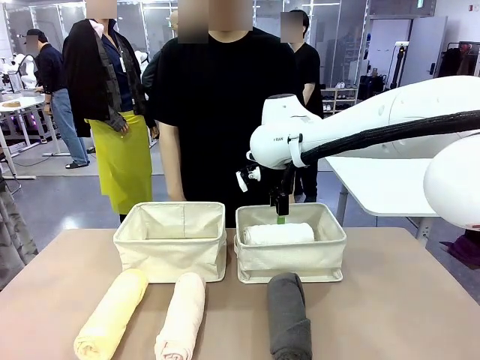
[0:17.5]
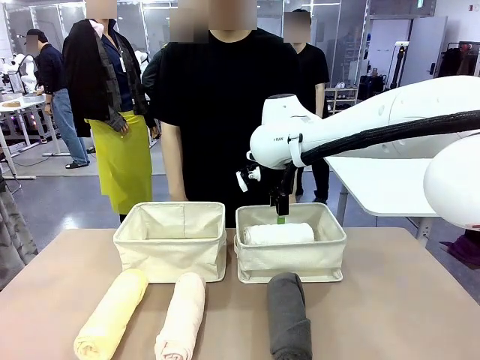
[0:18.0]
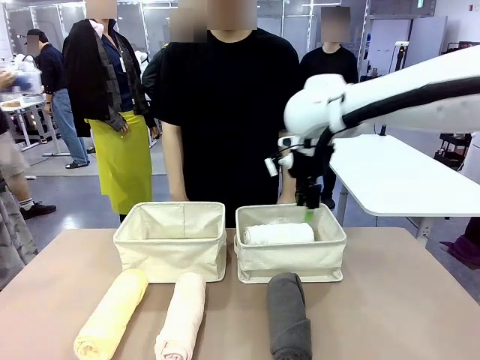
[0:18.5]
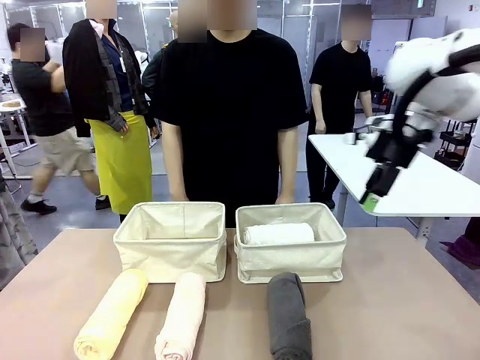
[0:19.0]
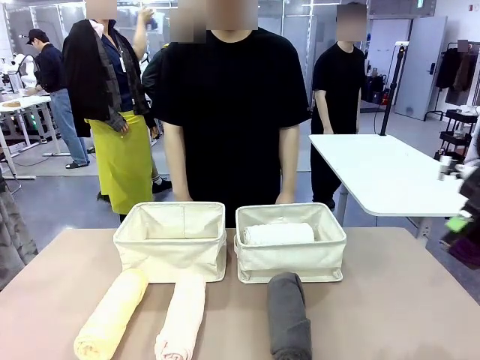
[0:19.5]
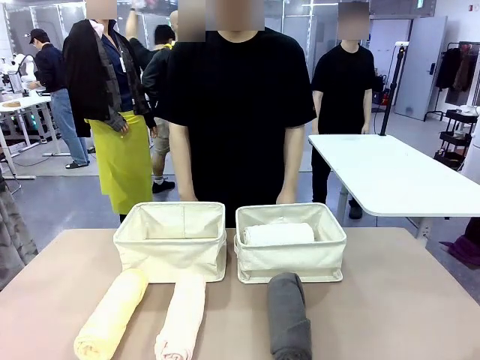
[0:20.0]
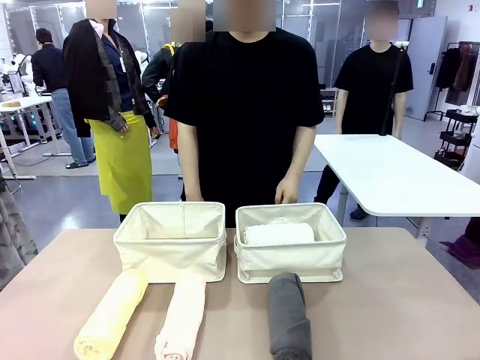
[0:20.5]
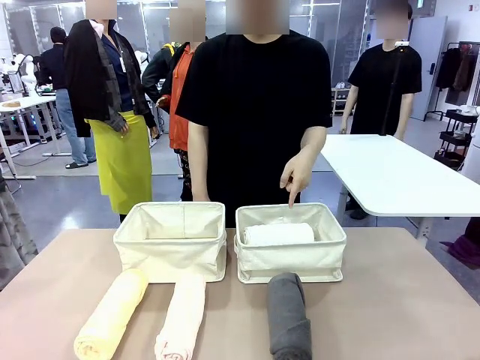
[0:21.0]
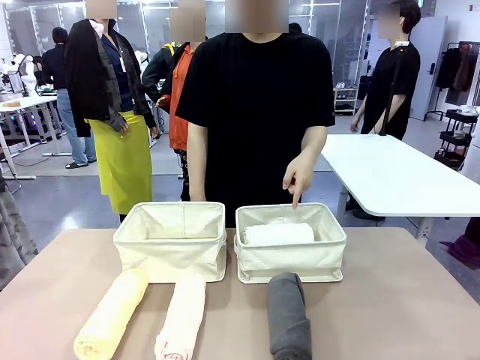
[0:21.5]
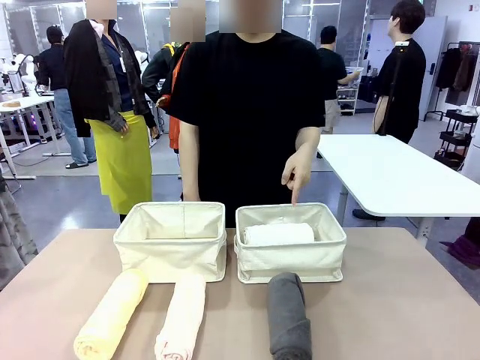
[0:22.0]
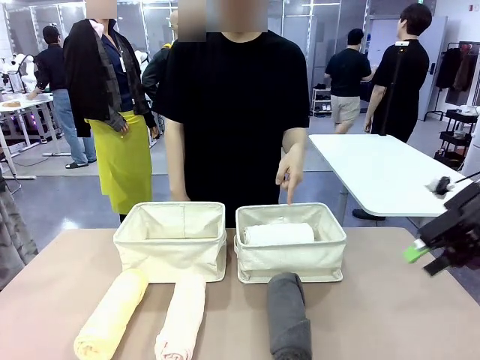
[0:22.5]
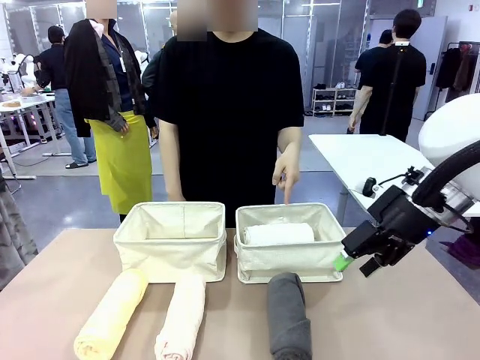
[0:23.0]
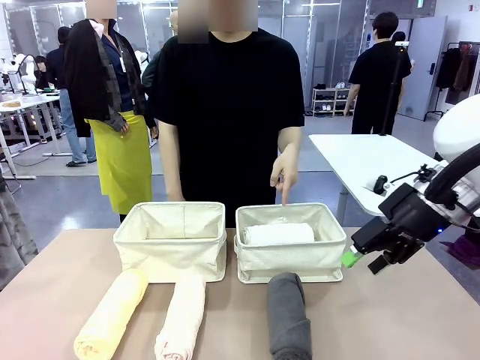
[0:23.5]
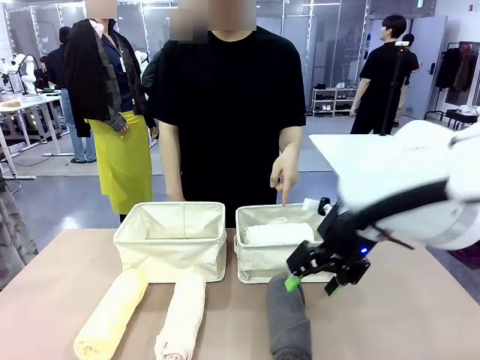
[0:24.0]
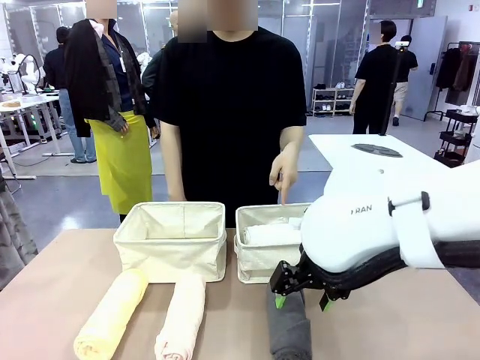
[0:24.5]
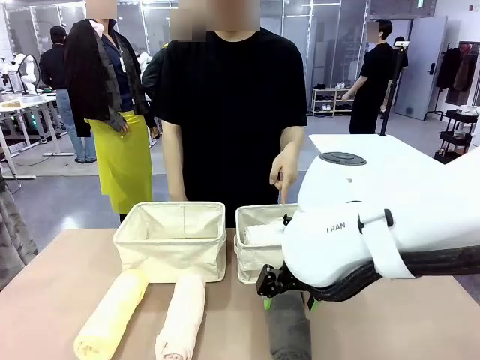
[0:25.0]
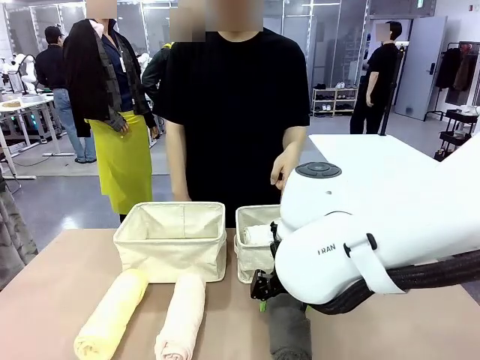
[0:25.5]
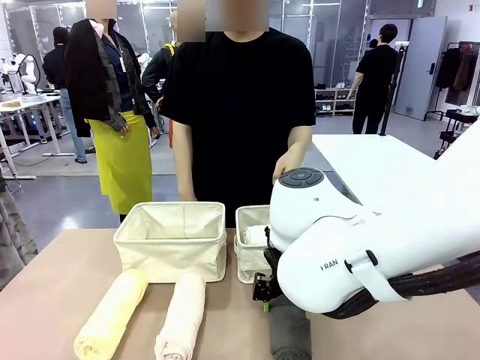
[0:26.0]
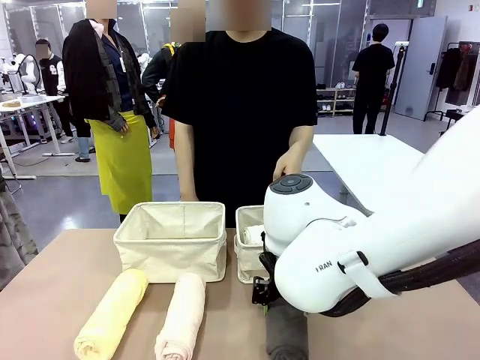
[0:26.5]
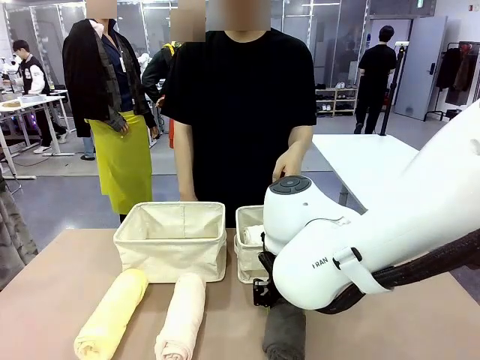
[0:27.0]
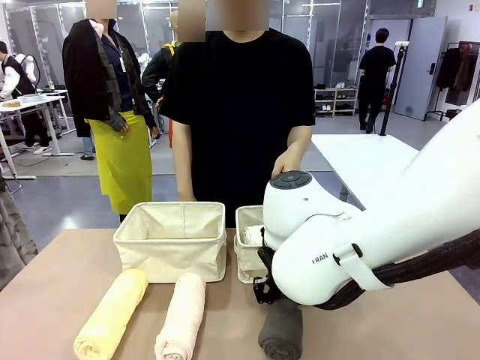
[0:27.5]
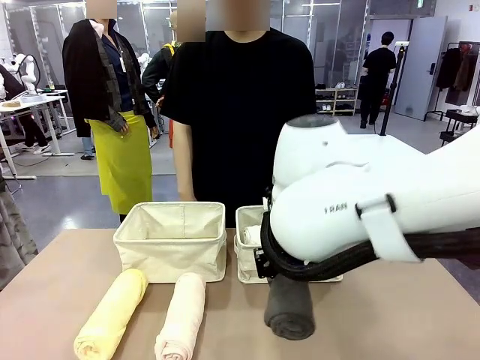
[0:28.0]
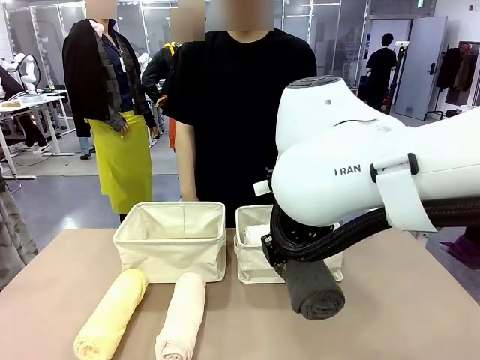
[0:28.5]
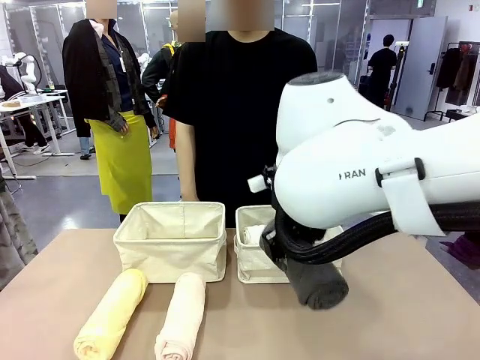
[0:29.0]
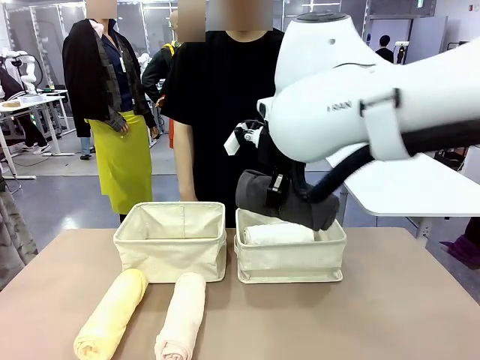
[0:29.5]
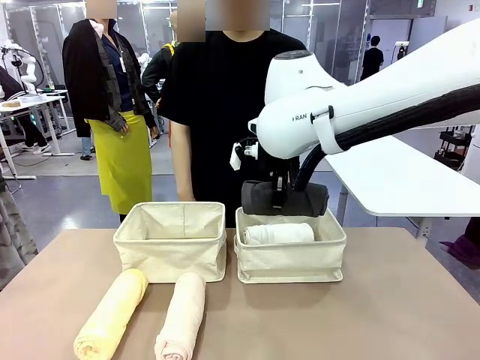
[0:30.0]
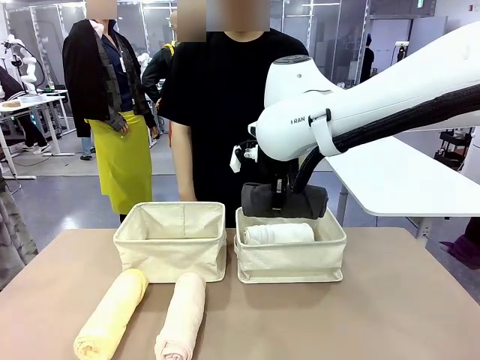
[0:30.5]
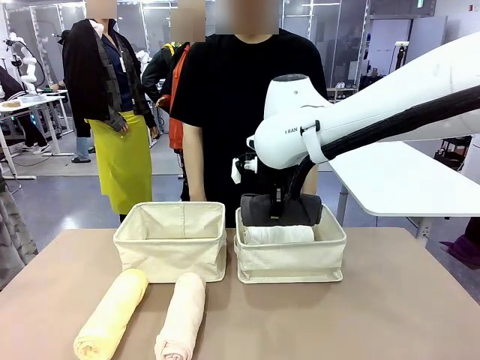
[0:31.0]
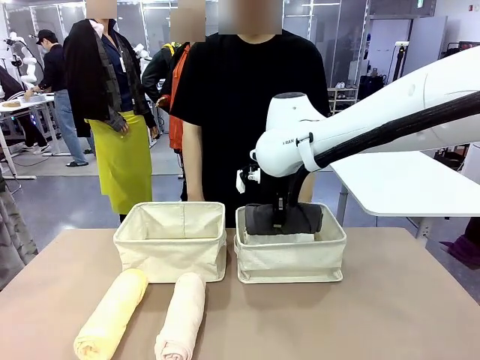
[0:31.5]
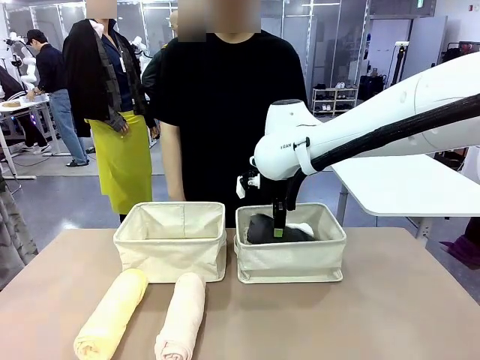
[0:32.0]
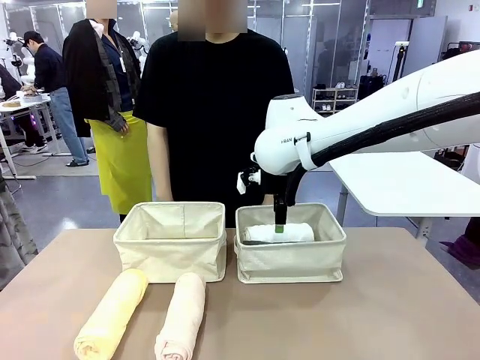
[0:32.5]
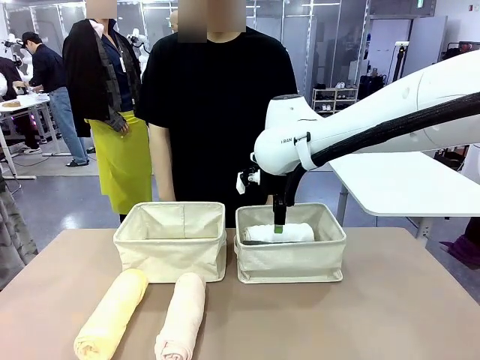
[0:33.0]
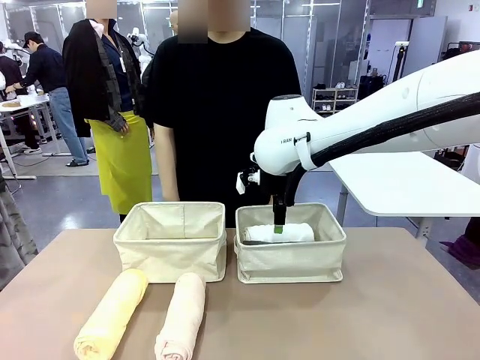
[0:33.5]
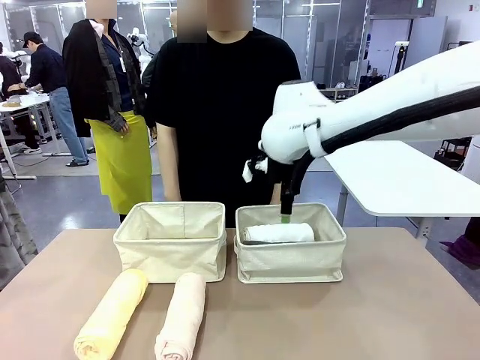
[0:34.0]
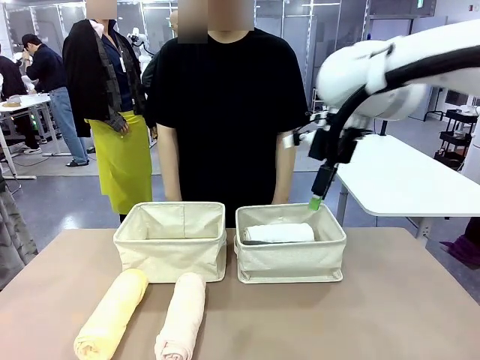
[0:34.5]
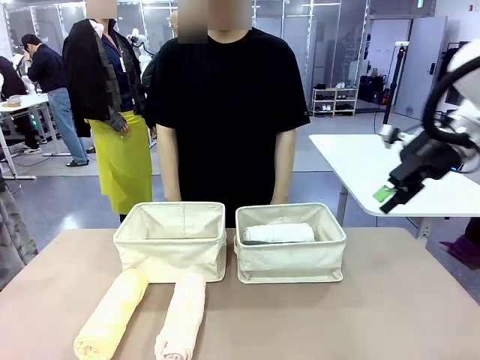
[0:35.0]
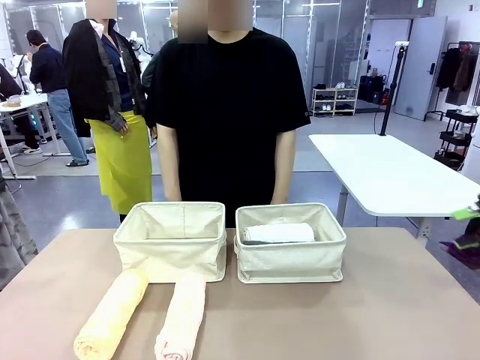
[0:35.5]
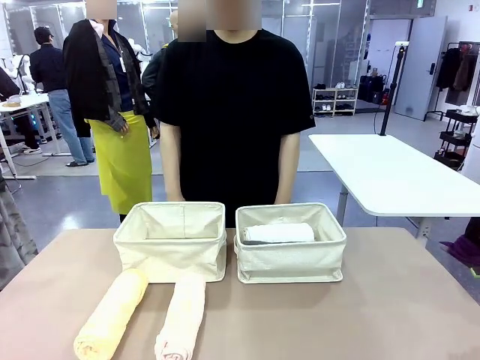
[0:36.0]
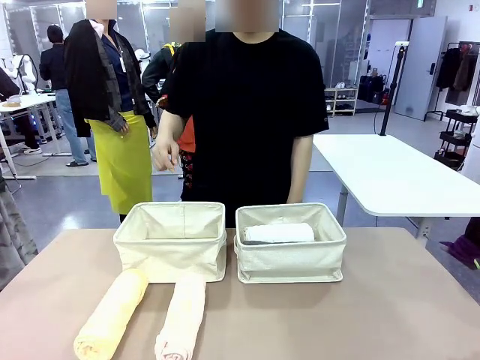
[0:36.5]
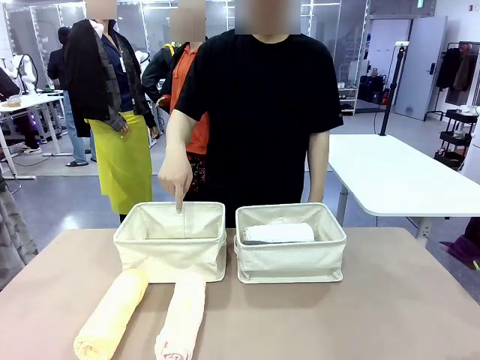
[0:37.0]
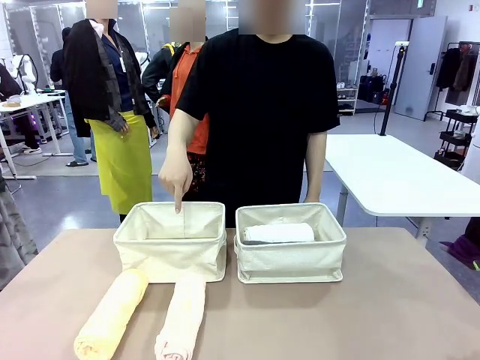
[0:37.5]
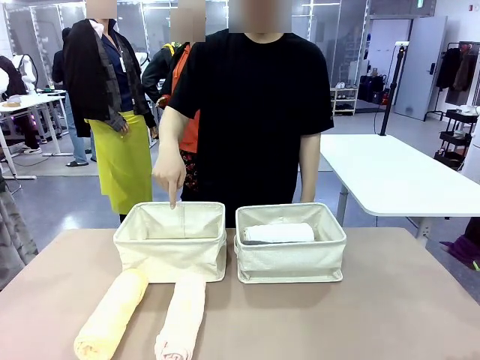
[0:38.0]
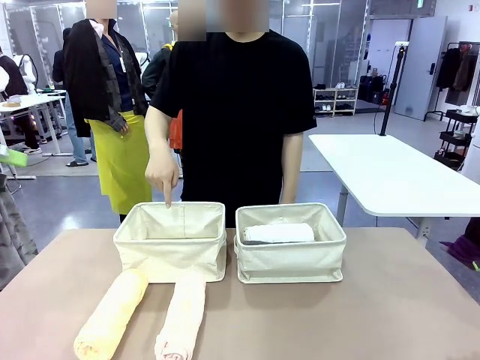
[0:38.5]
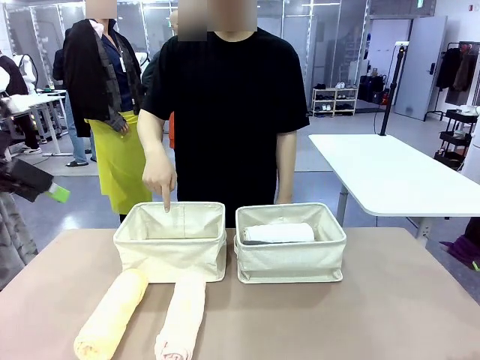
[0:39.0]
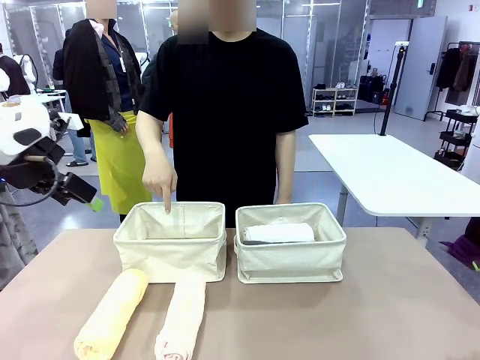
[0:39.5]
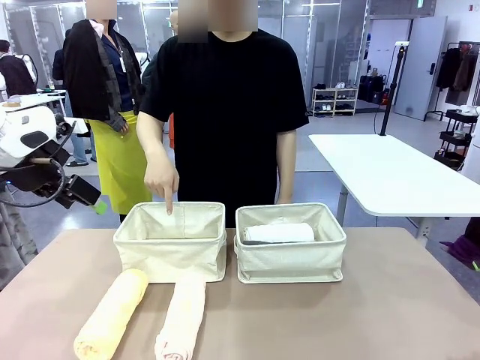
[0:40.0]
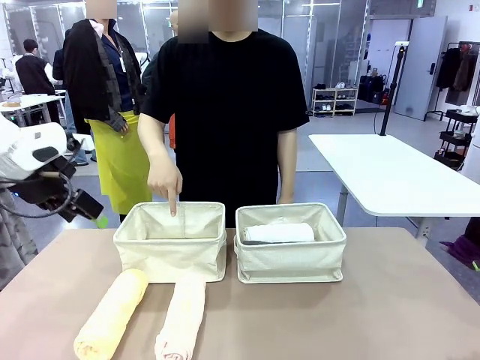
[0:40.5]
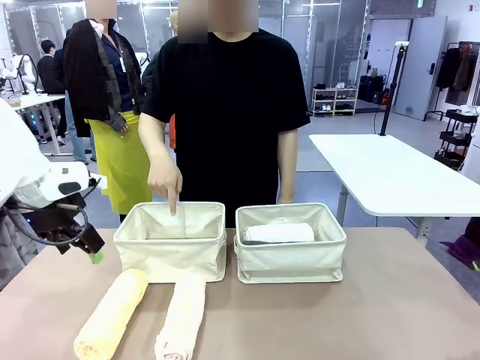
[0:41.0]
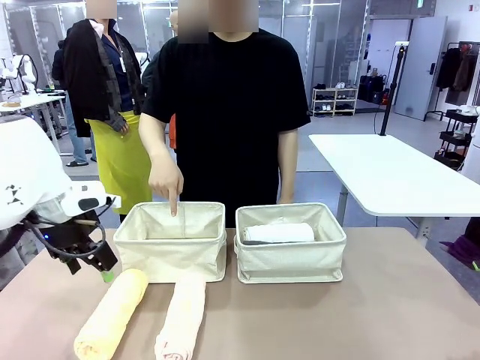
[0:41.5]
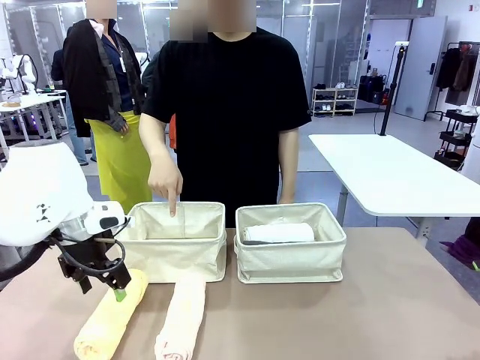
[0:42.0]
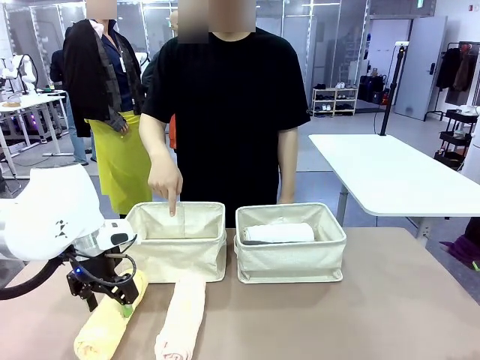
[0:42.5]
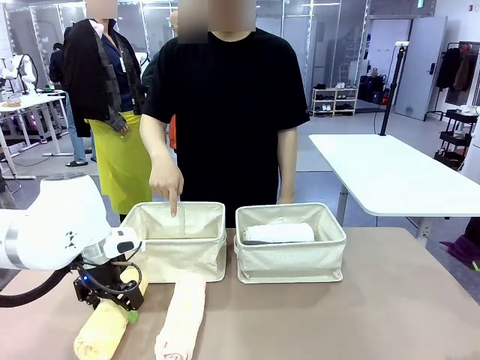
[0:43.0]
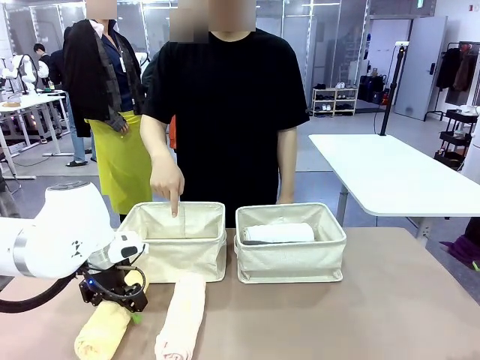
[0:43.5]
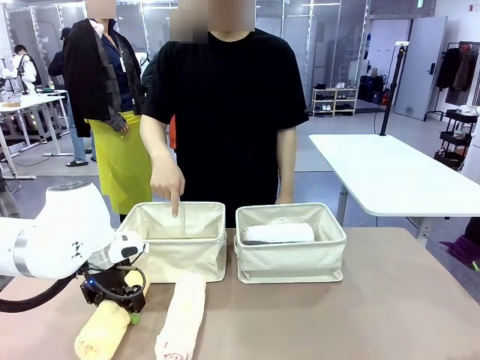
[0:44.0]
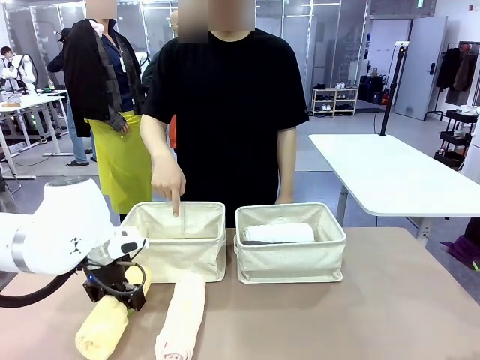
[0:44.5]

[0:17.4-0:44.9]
Task: Divide the towels into two baskets.
Robot: Pick up one hotel-folded towel from the bottom of the table and place it in the Fabric basket indicated by the person.
